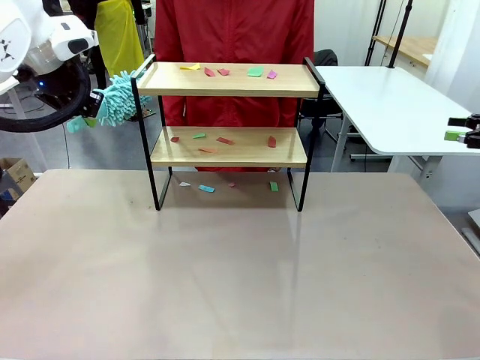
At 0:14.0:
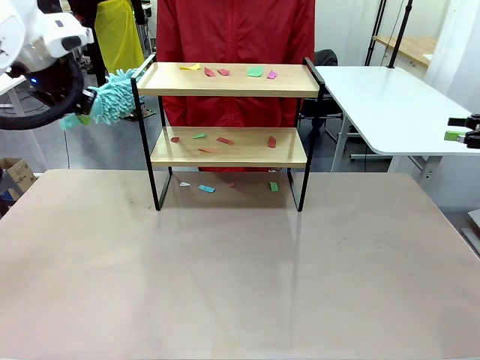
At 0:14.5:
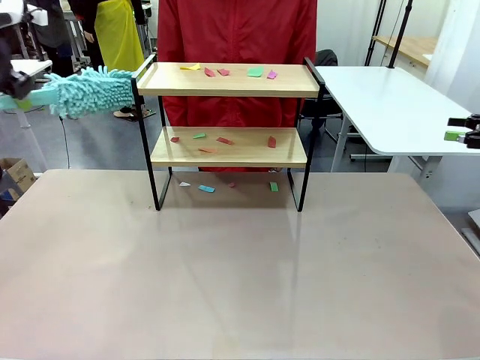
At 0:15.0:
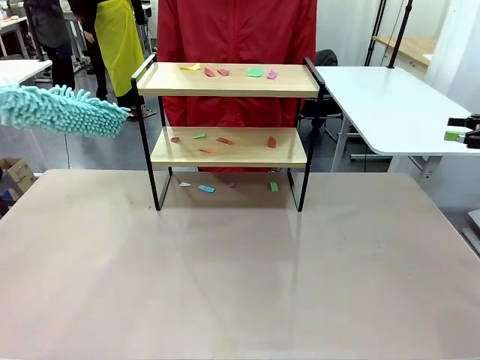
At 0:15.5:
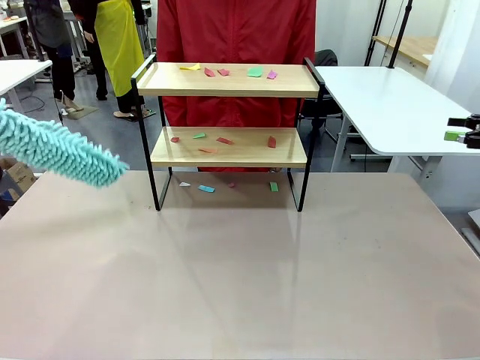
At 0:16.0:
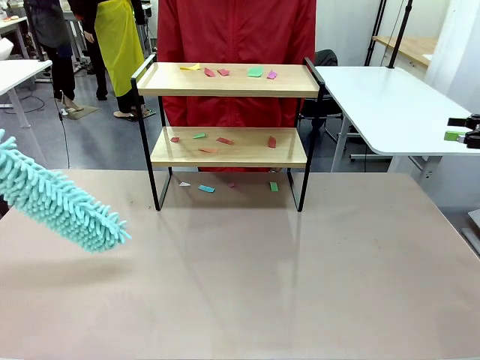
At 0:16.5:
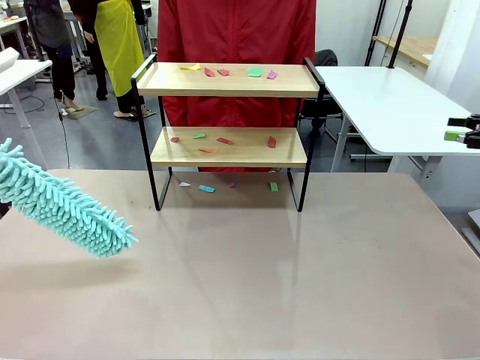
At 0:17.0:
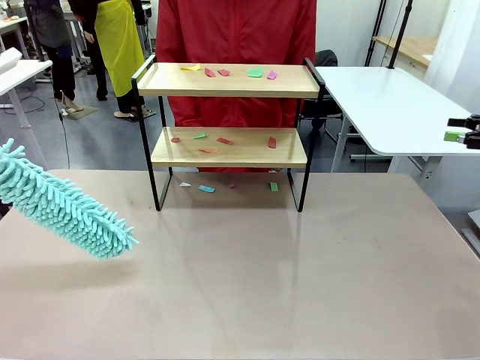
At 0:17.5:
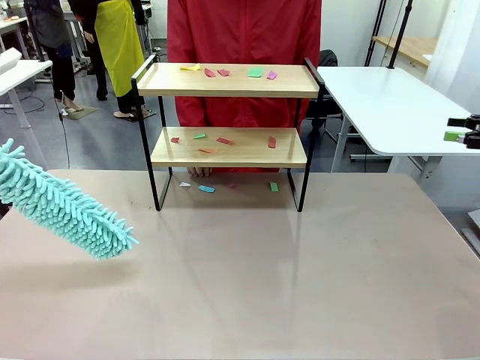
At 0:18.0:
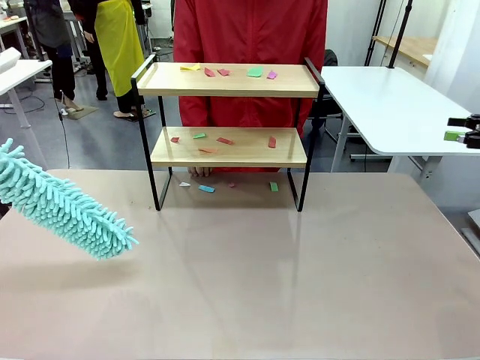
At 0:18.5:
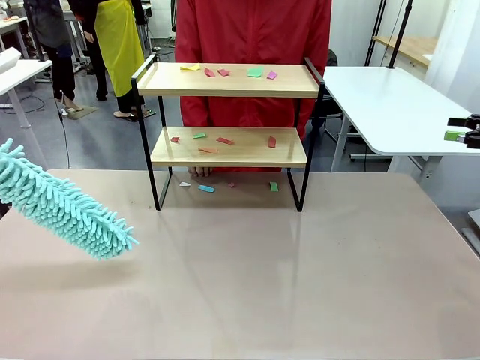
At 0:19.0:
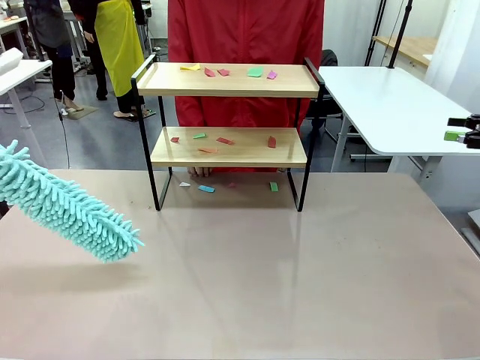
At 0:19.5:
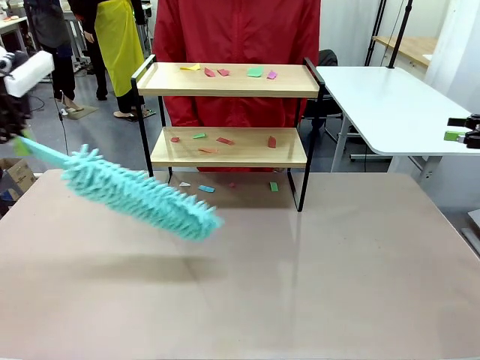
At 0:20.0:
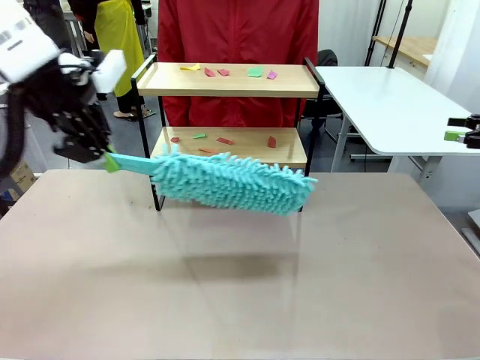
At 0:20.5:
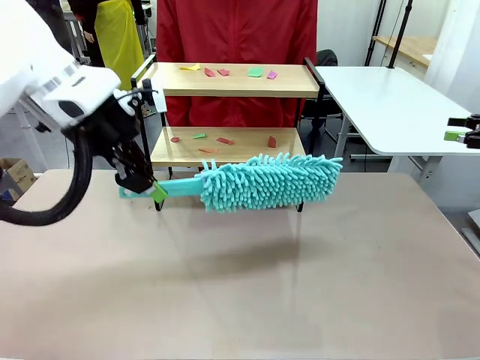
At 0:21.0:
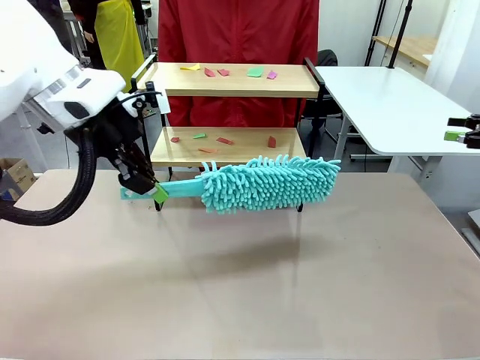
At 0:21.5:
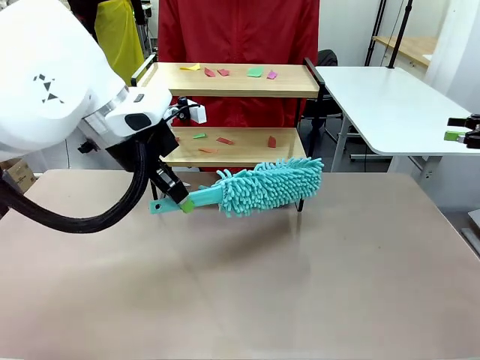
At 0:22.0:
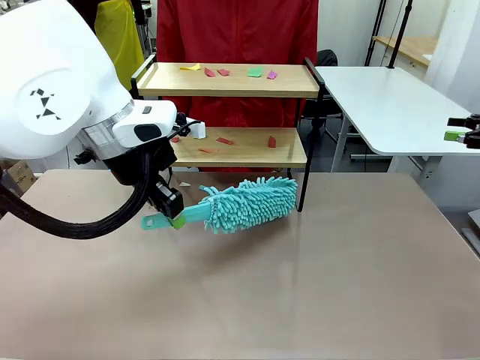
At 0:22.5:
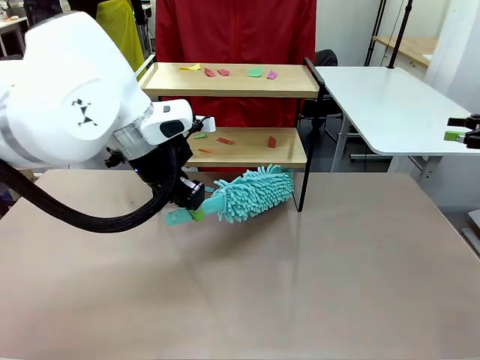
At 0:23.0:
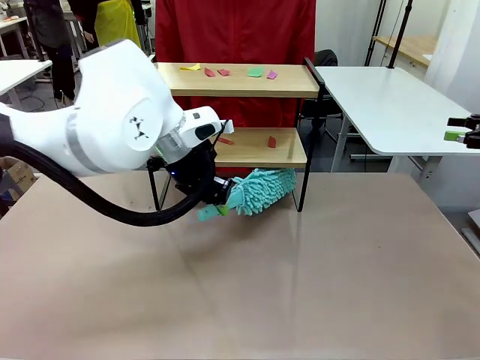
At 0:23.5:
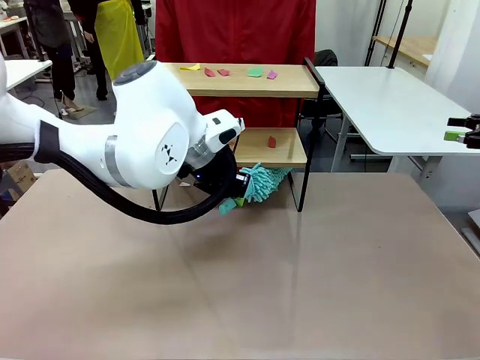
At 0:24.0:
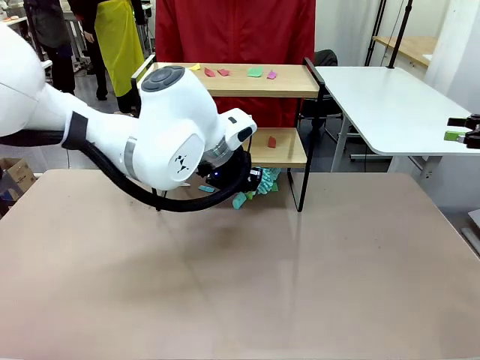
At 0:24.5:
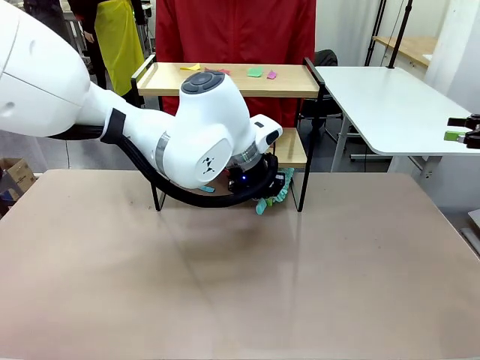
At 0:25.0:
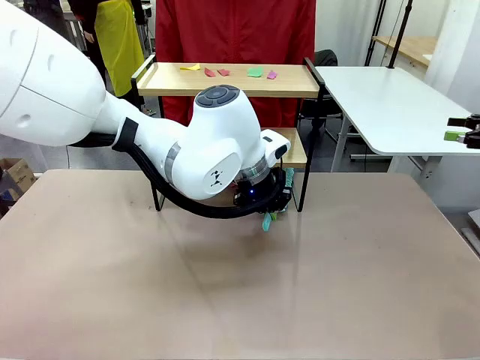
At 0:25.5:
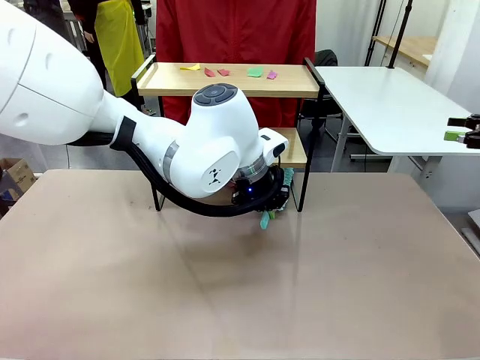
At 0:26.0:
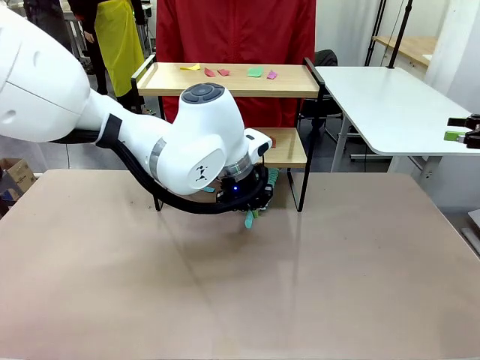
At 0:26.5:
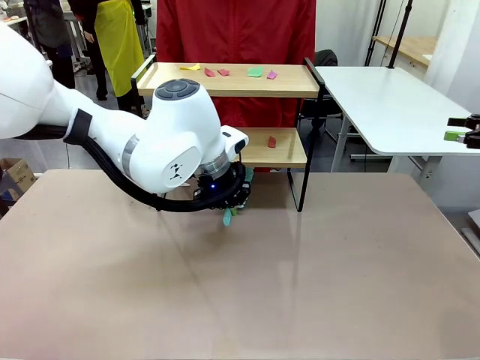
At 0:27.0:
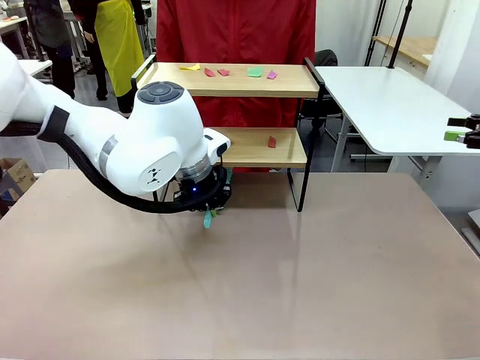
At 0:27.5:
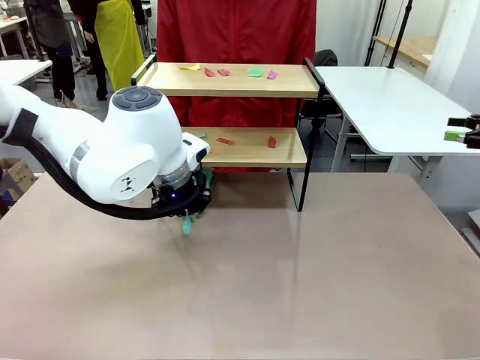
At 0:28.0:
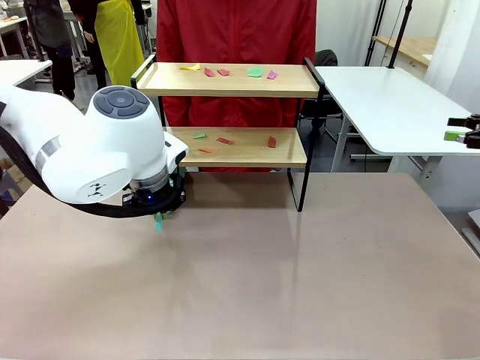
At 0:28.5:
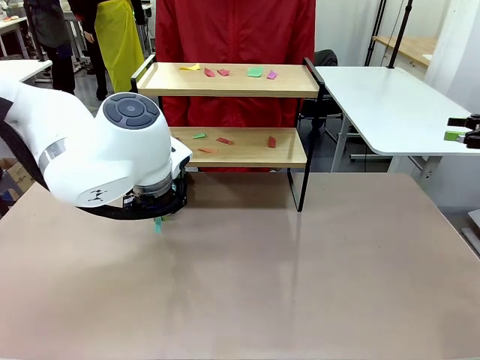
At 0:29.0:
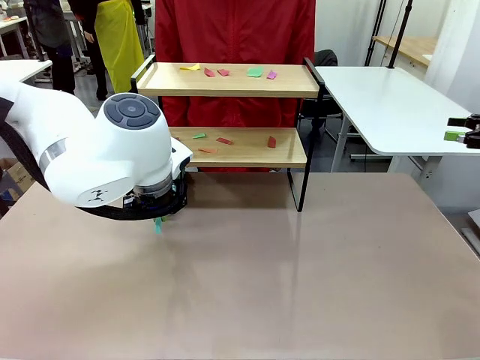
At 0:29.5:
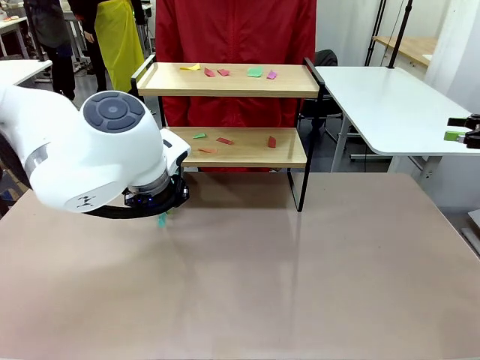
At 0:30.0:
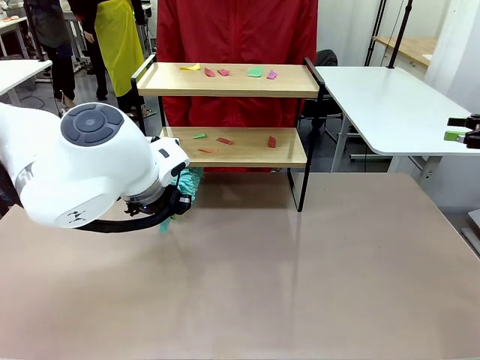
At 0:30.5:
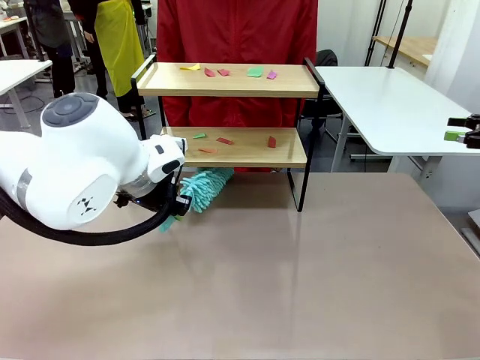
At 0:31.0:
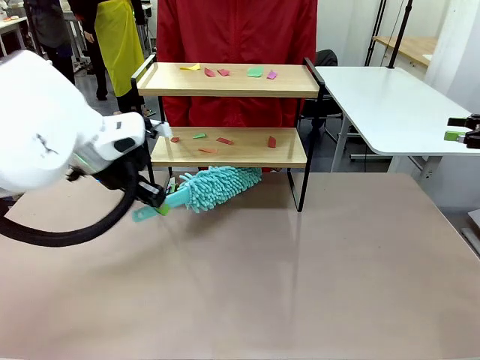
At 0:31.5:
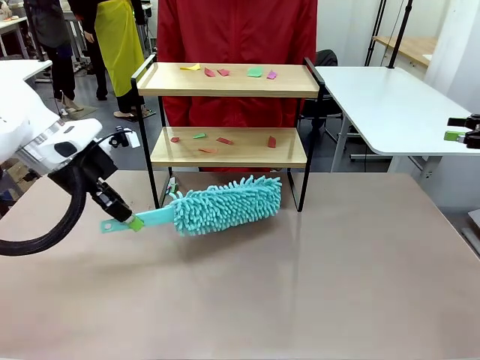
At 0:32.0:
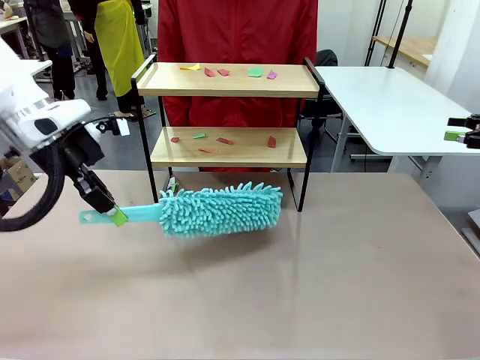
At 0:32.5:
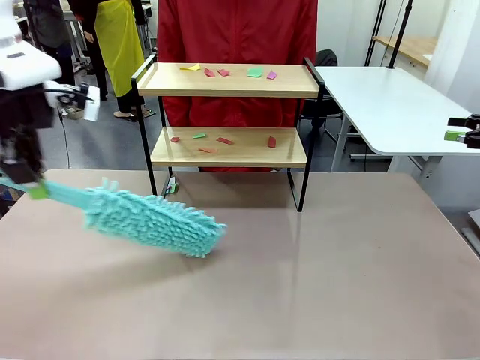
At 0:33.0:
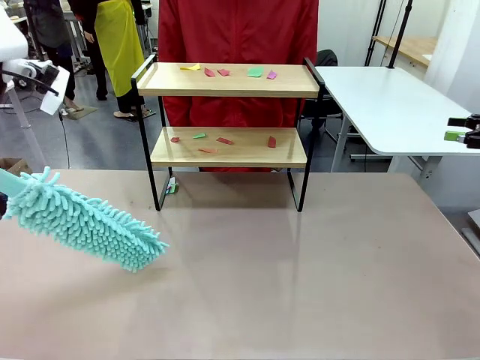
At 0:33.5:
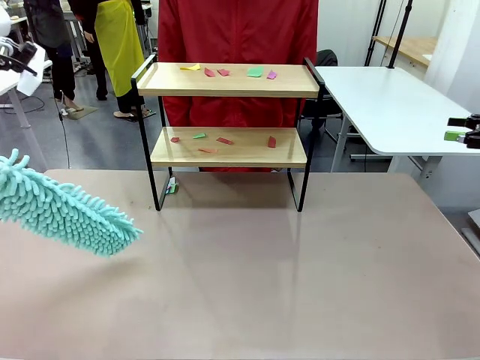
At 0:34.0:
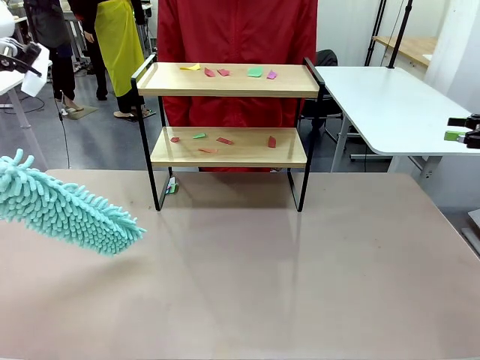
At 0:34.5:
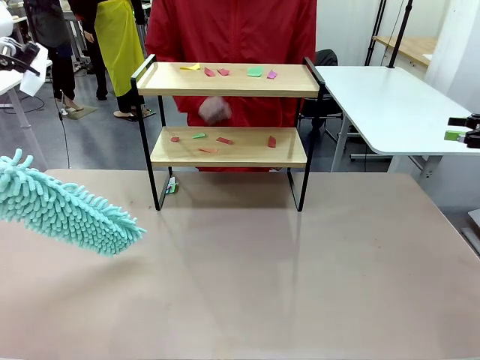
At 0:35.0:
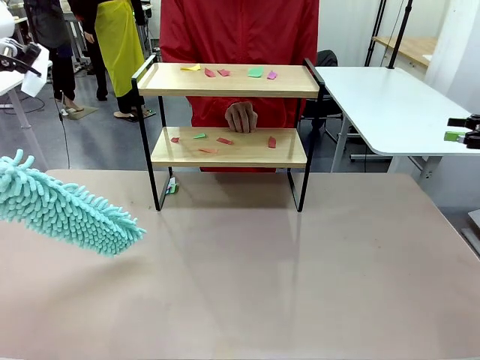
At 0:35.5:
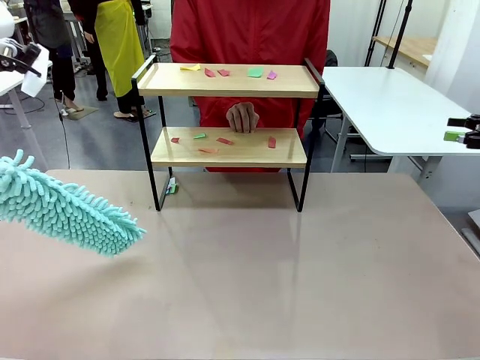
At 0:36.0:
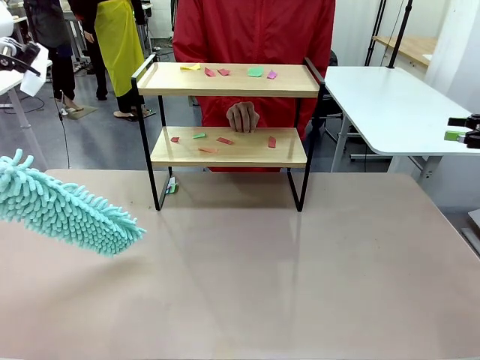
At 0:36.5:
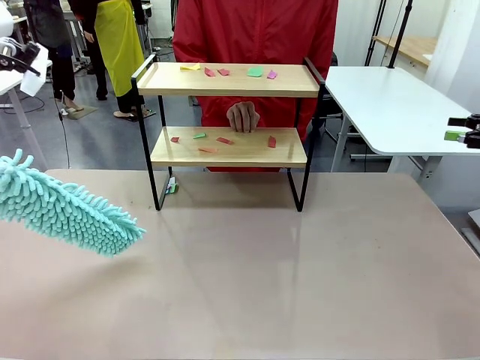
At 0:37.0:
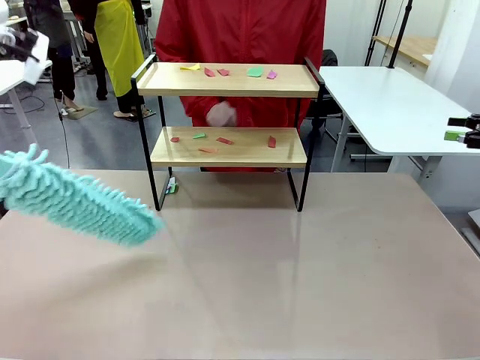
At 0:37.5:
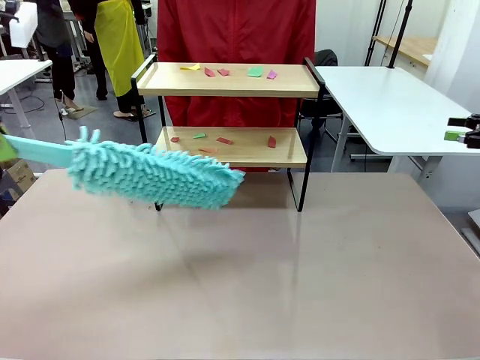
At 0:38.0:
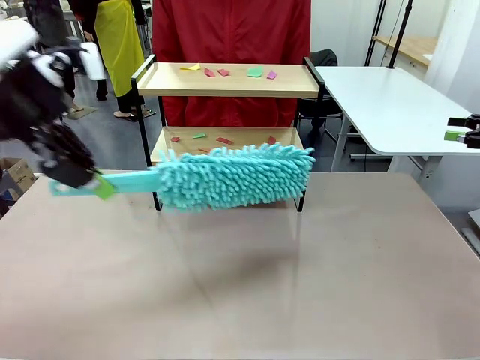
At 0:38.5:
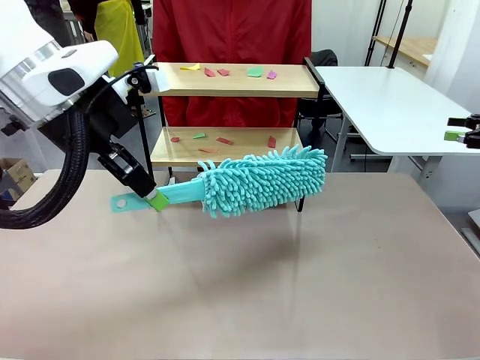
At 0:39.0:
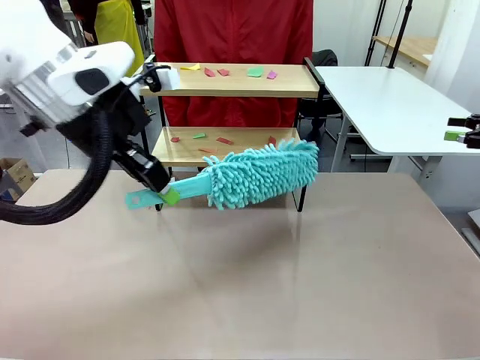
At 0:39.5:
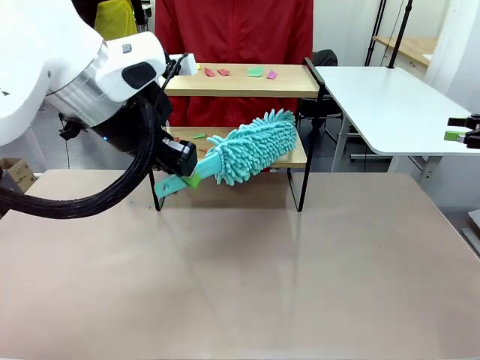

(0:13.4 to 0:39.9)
Task: Clean the shelf.
Robot: Clean the specific section of the Shelf indicated by the human with the Duster.
Person: Point a random section of the Shelf.
